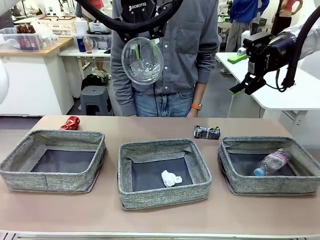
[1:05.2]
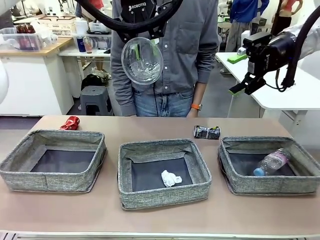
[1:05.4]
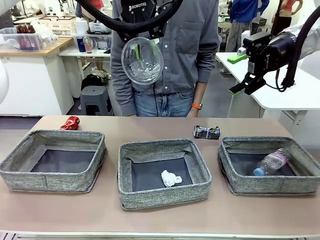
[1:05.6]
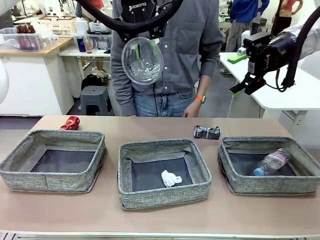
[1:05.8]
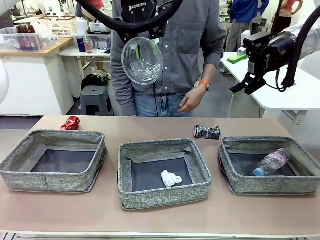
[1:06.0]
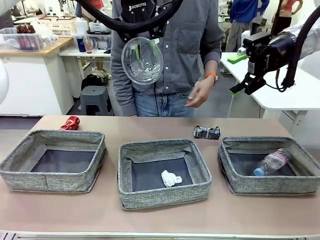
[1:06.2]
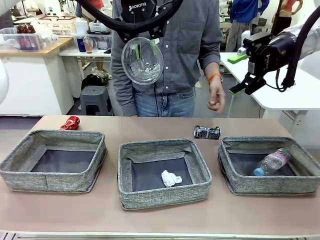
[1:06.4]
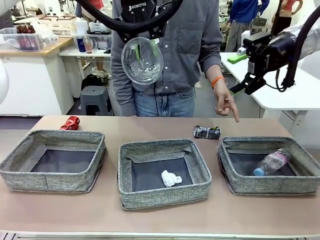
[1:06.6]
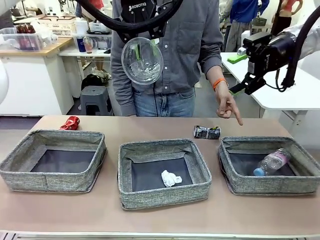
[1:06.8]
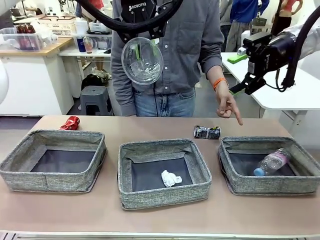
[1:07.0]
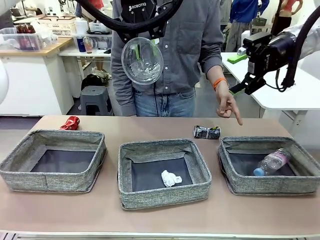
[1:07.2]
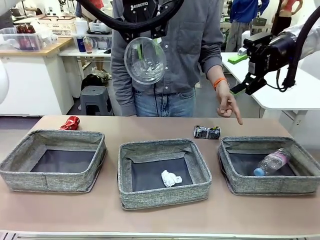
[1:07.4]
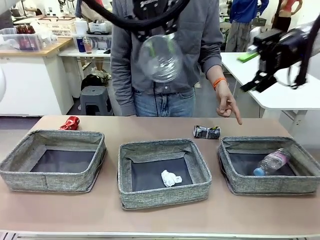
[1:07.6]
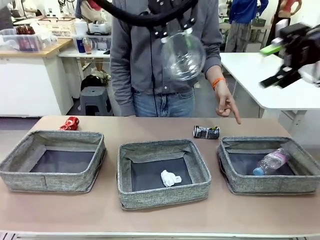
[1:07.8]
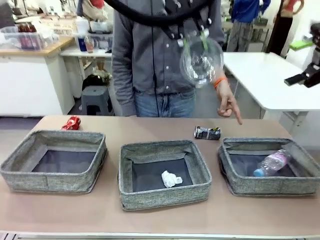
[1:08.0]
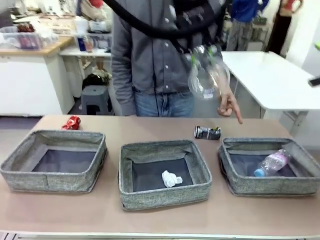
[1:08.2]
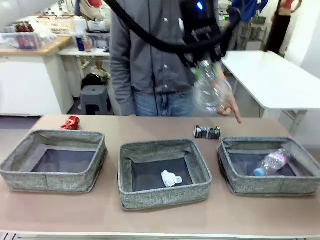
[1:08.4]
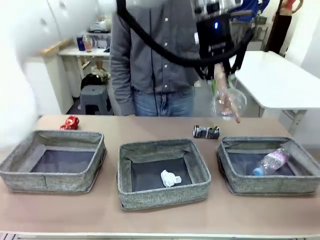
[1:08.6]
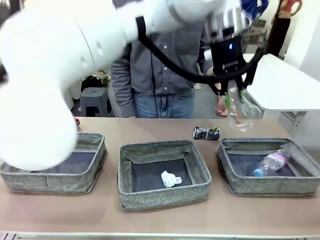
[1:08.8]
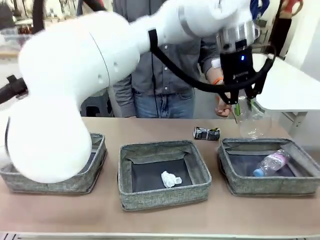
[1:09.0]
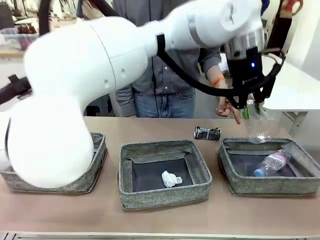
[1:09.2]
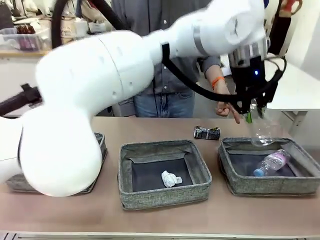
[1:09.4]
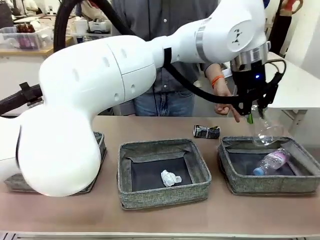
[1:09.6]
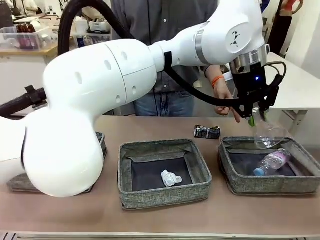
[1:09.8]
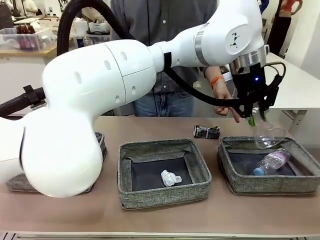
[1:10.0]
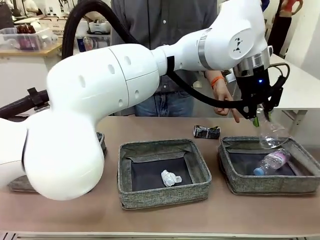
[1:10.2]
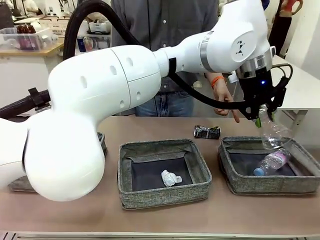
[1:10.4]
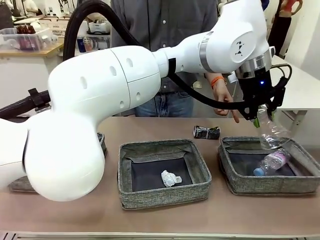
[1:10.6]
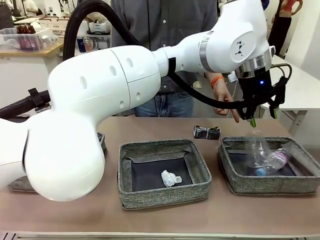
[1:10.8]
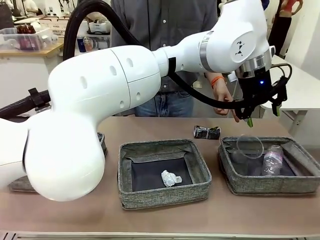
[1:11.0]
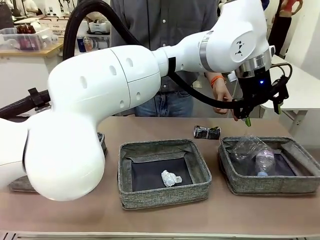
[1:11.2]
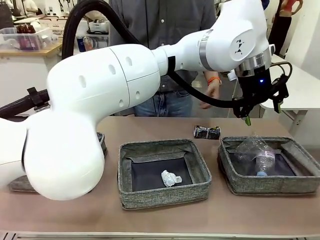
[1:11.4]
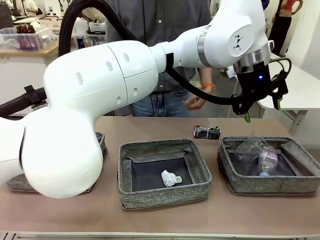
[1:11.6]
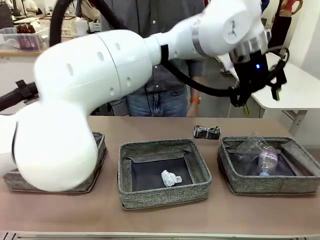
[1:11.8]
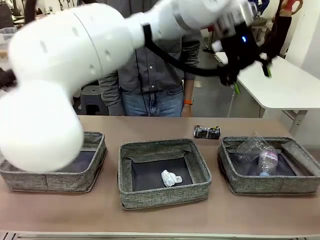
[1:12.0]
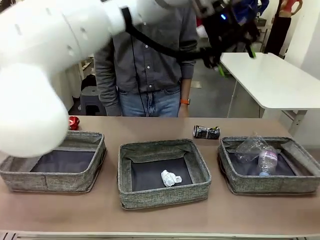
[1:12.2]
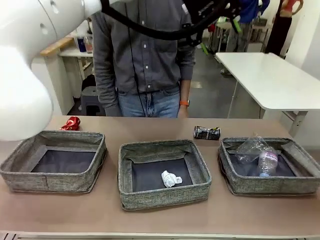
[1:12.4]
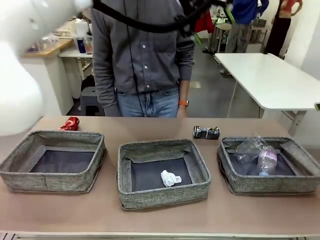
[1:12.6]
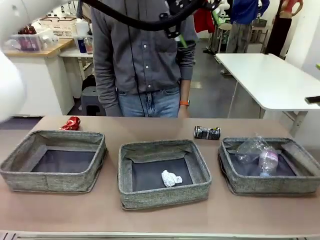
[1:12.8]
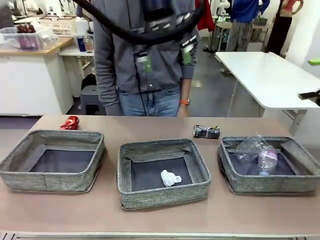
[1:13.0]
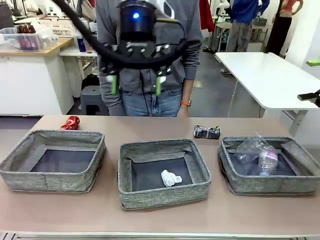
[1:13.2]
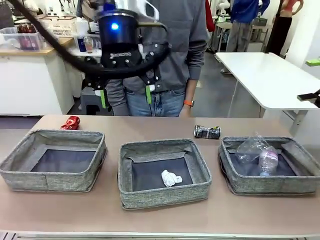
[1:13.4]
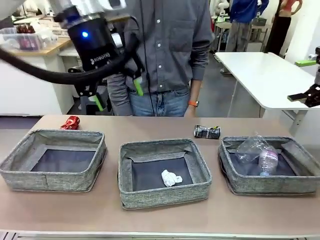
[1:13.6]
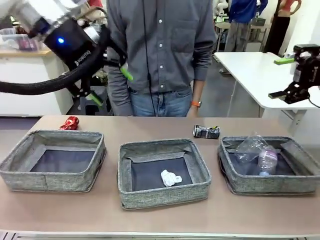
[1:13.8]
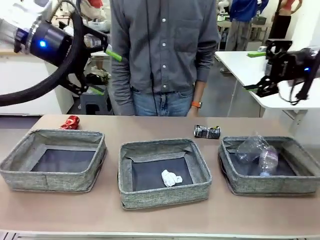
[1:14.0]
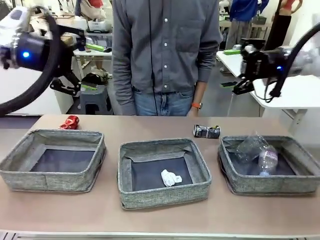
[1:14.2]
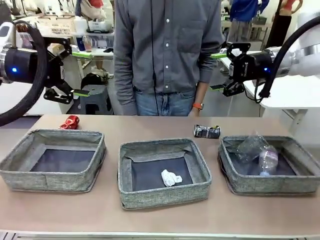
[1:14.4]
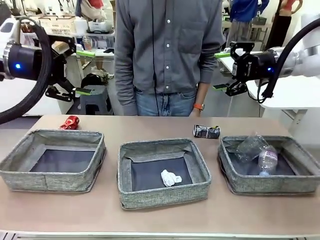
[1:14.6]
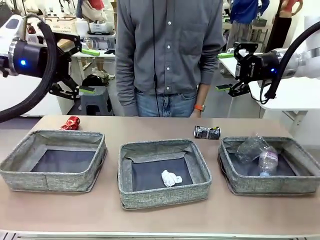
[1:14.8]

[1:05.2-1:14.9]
Task: Sort the waste into the appropriate baskets.
Robot: Place the picked waste into the Fabric basket indicated by the person.
Person: Instructs the robot to place the picked-up trash into the appropriate organizing basket.

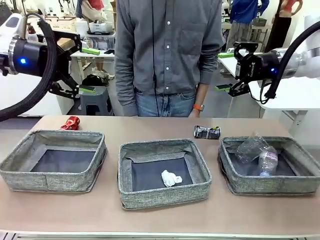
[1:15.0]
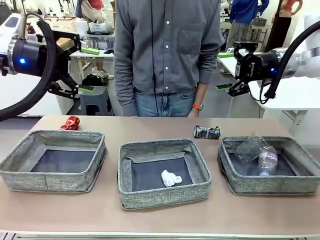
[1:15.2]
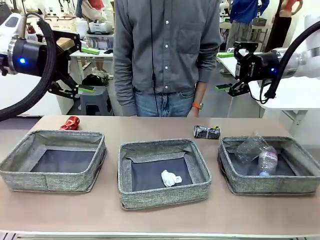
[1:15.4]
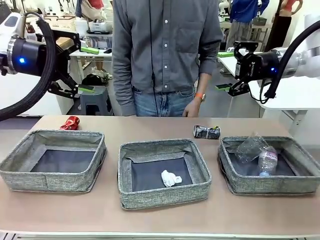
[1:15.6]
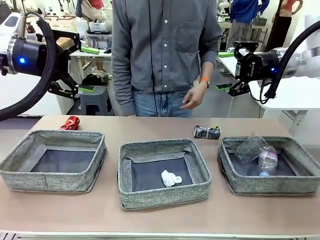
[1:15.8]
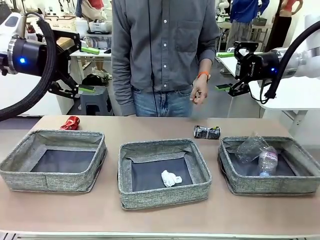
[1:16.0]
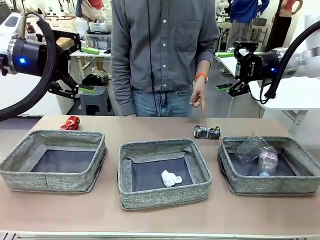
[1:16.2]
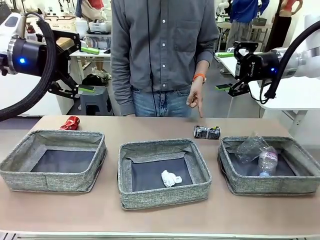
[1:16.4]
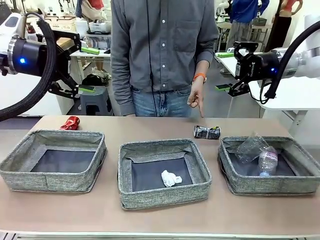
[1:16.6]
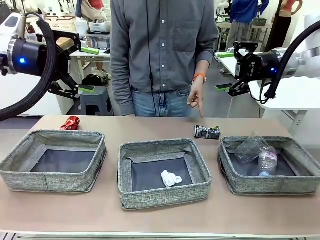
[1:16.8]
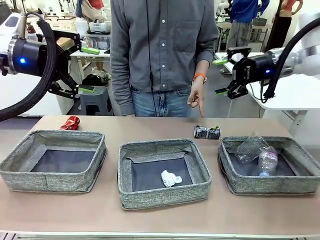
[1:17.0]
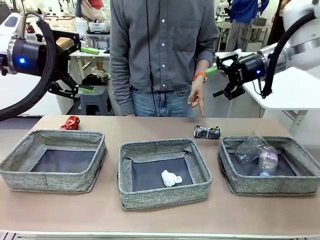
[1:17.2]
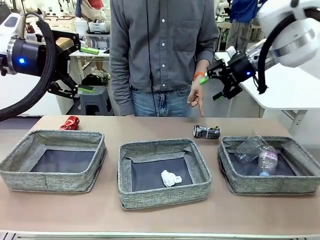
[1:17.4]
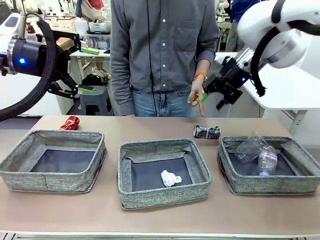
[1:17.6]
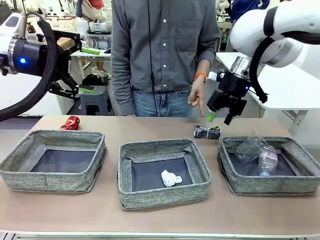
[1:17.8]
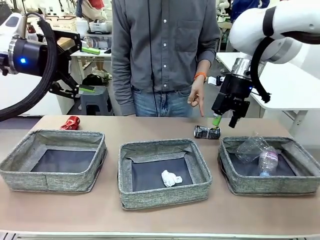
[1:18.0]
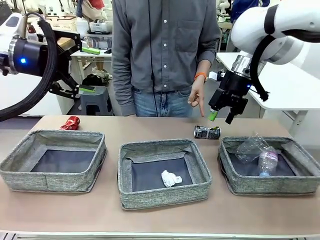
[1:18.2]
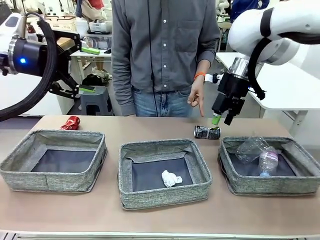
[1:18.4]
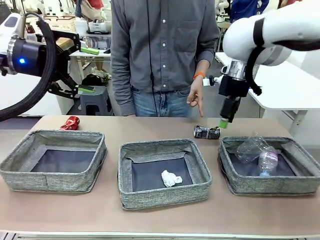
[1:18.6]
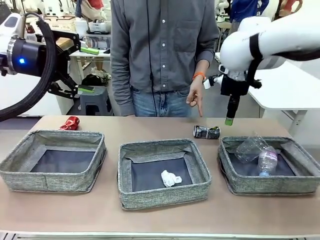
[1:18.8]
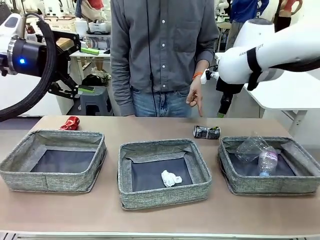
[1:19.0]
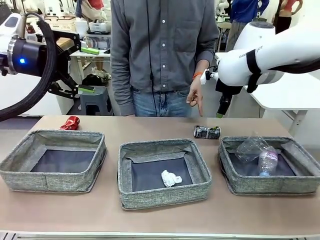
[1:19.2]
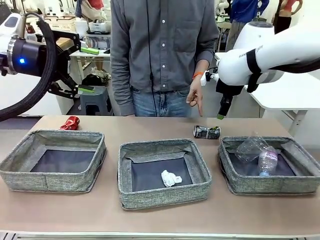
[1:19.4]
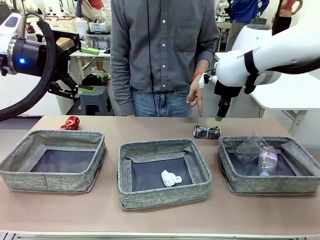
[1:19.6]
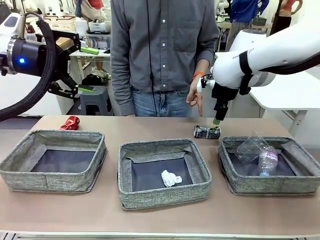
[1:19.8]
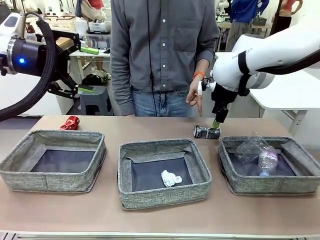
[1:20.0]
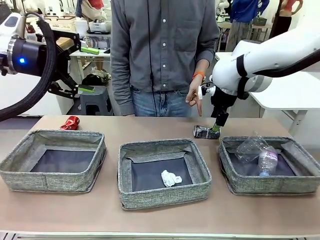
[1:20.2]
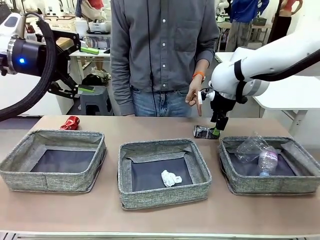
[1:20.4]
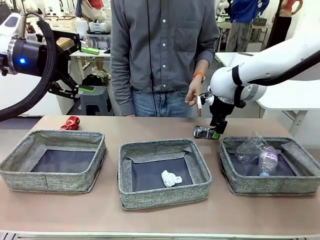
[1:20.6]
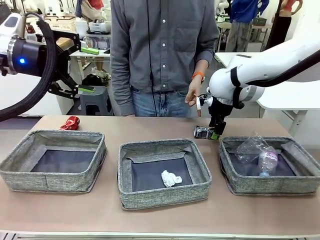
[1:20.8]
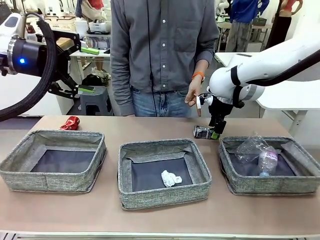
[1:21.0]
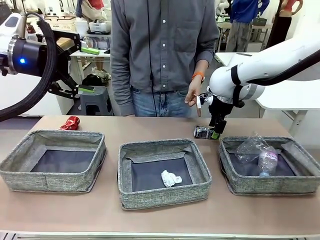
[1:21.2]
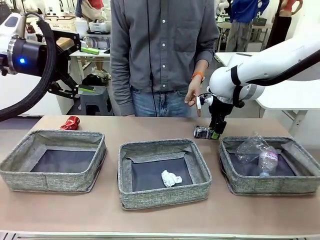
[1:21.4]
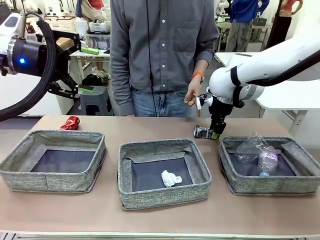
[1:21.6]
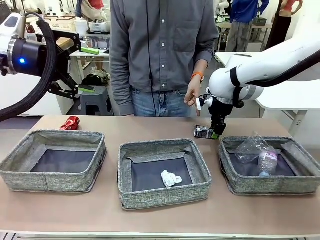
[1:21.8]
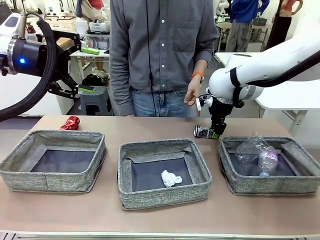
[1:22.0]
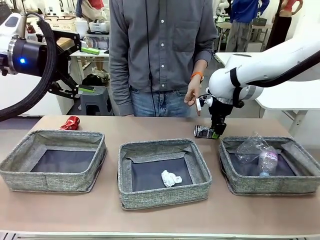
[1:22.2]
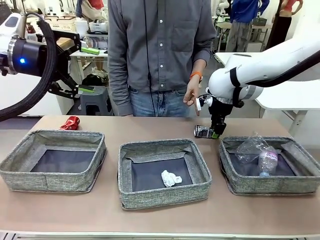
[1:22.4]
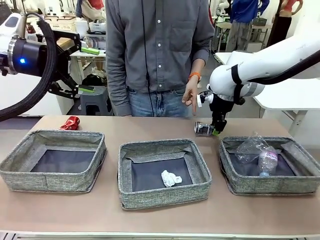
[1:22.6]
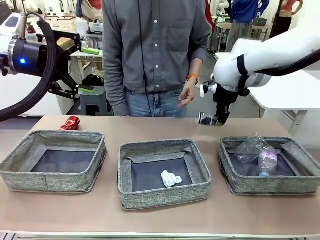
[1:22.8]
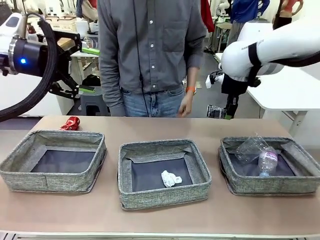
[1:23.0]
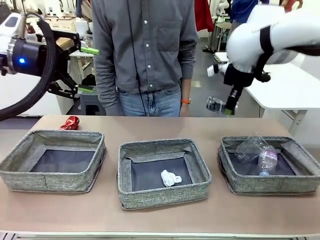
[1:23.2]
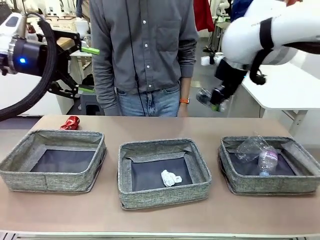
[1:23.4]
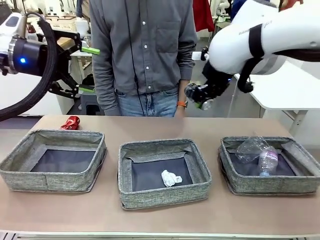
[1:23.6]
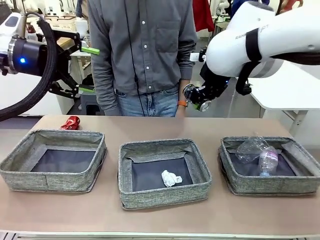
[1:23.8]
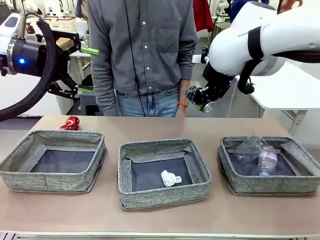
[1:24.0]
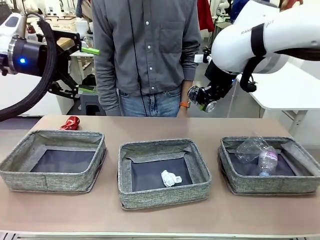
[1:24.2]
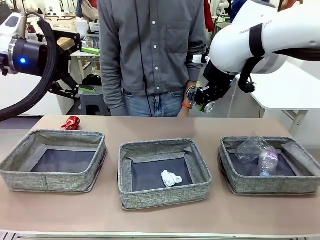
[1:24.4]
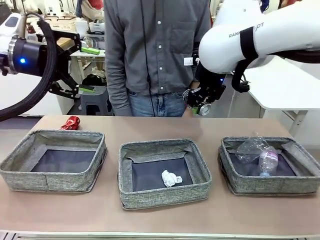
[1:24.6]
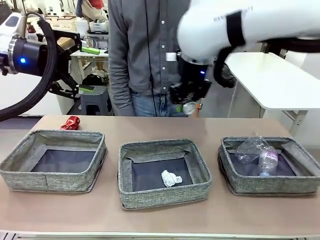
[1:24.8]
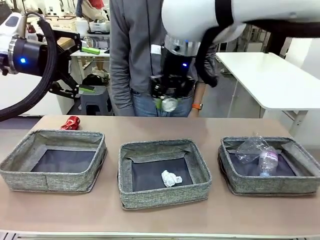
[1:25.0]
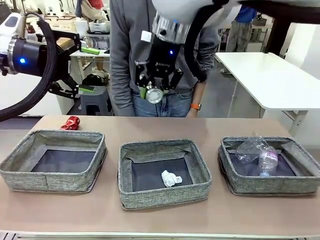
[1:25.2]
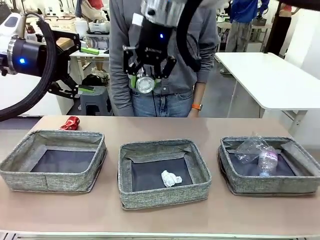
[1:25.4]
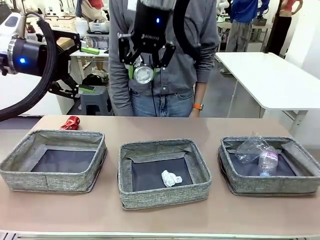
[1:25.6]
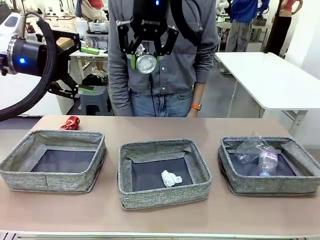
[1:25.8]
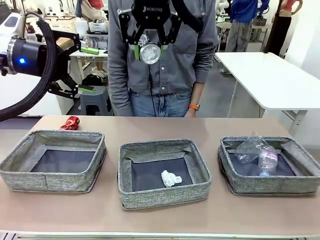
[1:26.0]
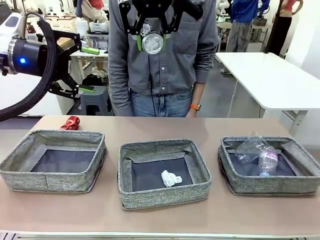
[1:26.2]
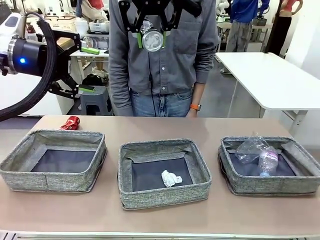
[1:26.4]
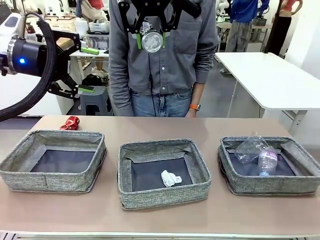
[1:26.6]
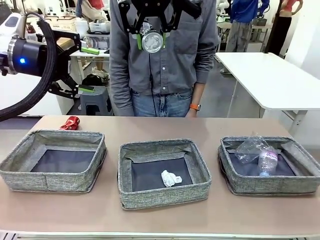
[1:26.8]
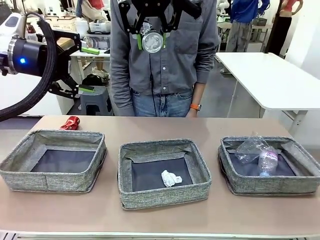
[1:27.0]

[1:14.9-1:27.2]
Robot: Pick up the waste item pointed out by the person.
Person: Points to one piece of trash on the table.
